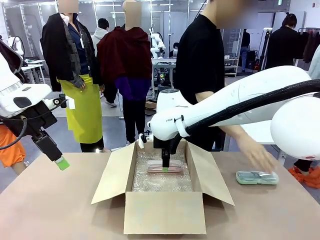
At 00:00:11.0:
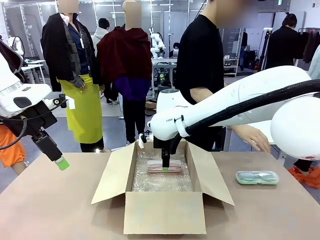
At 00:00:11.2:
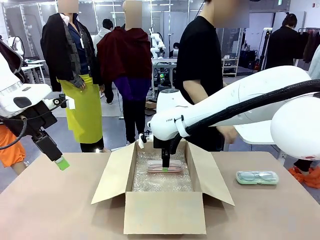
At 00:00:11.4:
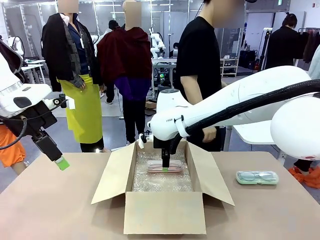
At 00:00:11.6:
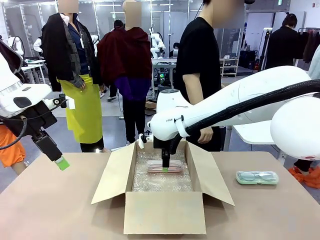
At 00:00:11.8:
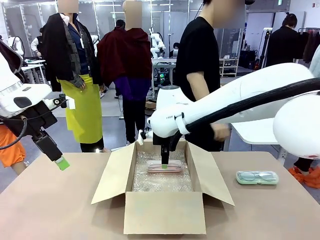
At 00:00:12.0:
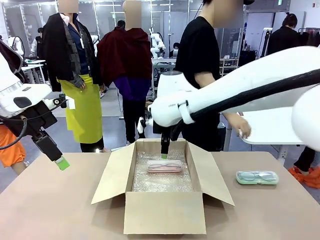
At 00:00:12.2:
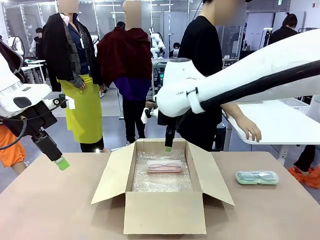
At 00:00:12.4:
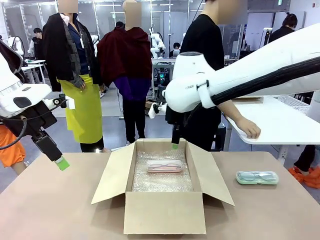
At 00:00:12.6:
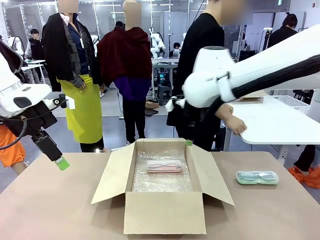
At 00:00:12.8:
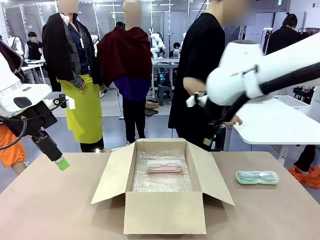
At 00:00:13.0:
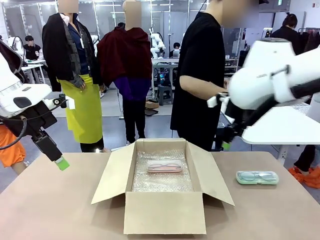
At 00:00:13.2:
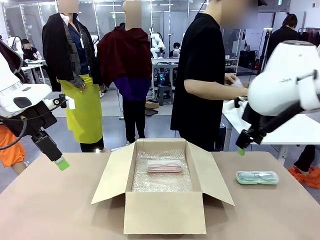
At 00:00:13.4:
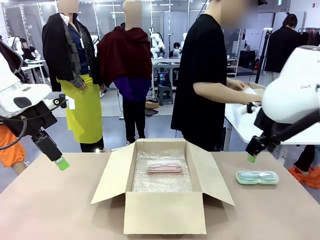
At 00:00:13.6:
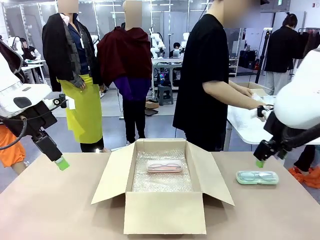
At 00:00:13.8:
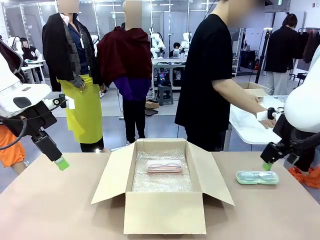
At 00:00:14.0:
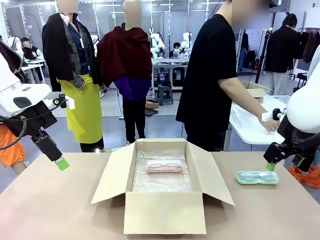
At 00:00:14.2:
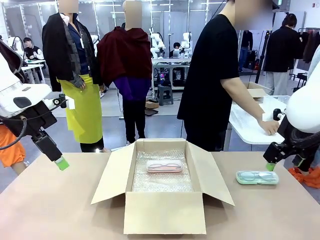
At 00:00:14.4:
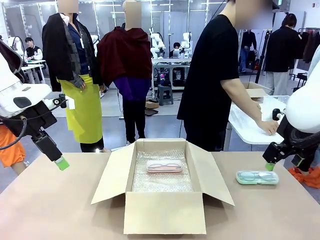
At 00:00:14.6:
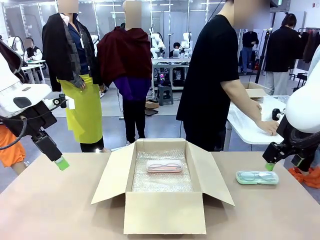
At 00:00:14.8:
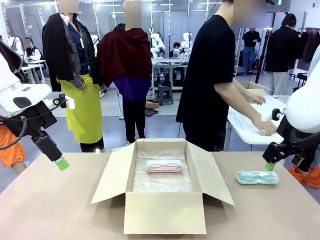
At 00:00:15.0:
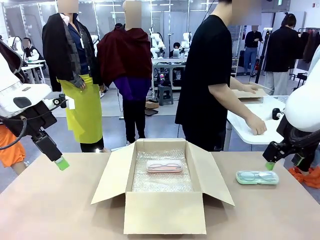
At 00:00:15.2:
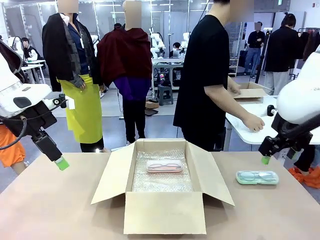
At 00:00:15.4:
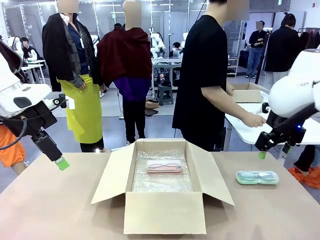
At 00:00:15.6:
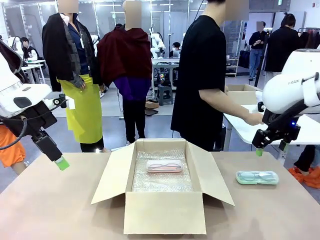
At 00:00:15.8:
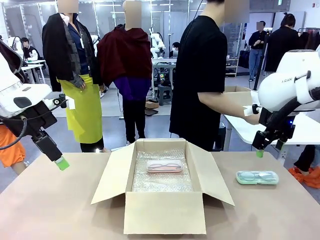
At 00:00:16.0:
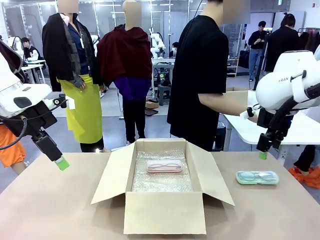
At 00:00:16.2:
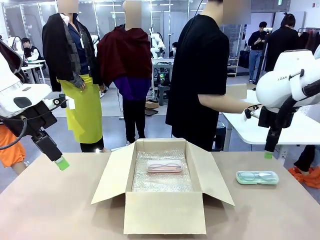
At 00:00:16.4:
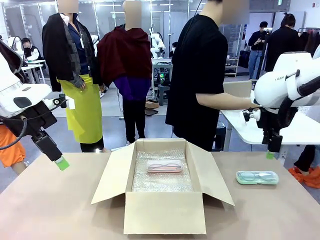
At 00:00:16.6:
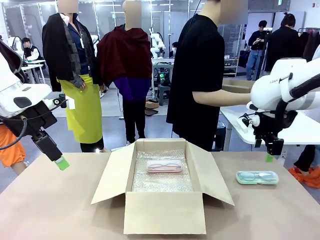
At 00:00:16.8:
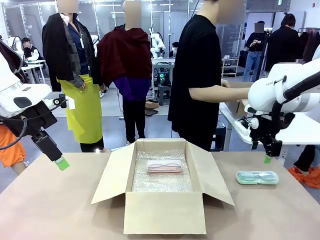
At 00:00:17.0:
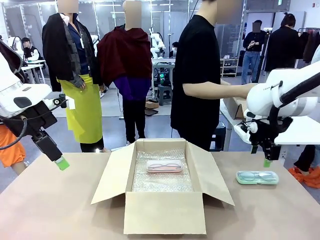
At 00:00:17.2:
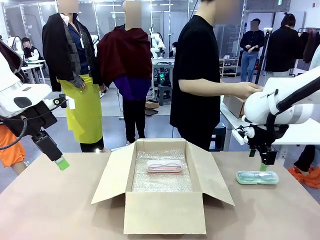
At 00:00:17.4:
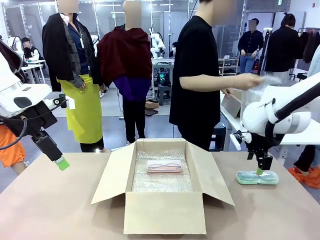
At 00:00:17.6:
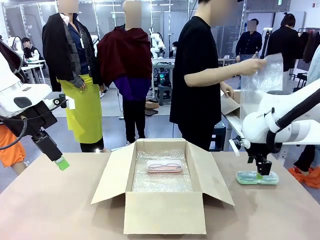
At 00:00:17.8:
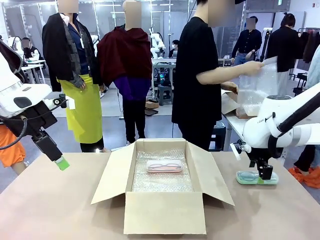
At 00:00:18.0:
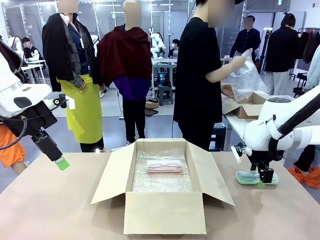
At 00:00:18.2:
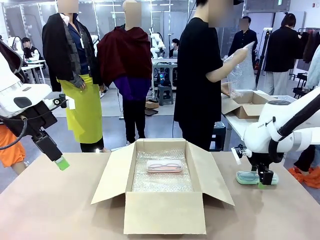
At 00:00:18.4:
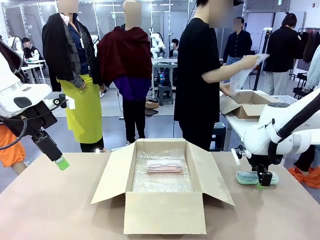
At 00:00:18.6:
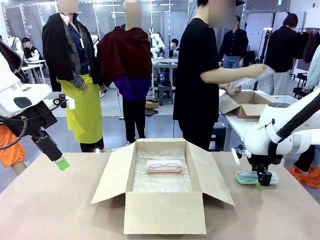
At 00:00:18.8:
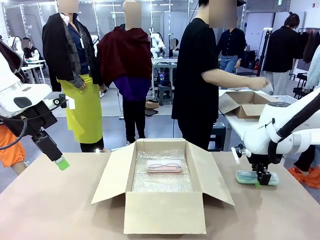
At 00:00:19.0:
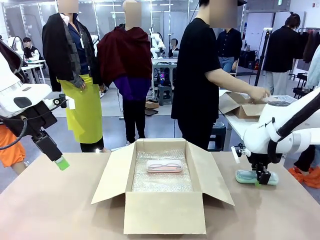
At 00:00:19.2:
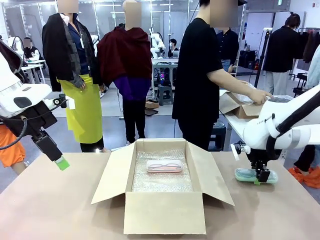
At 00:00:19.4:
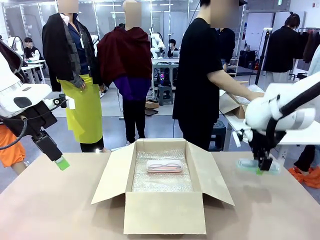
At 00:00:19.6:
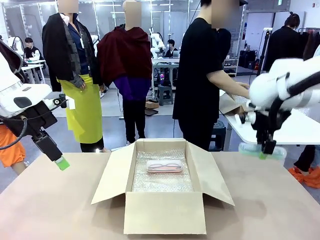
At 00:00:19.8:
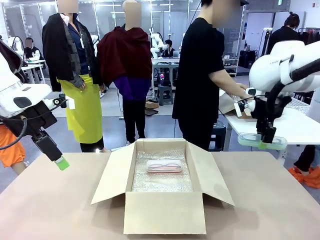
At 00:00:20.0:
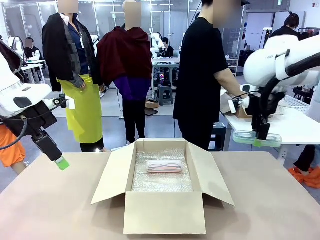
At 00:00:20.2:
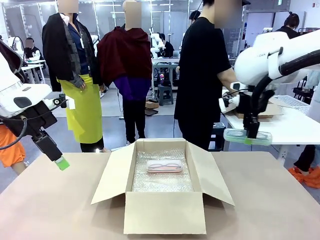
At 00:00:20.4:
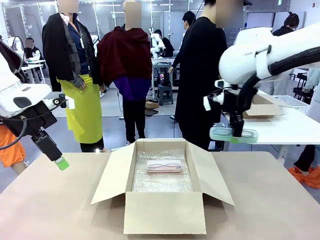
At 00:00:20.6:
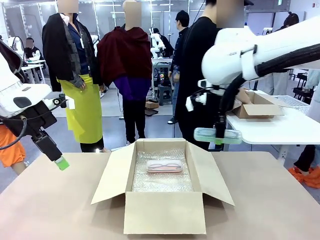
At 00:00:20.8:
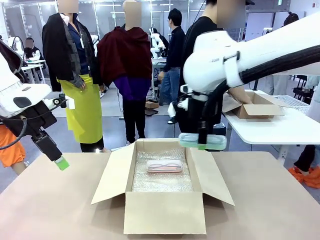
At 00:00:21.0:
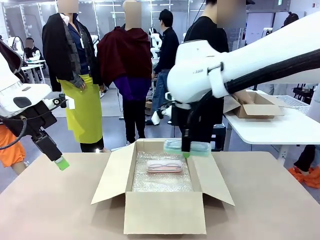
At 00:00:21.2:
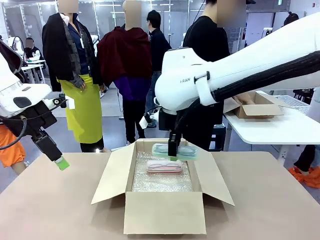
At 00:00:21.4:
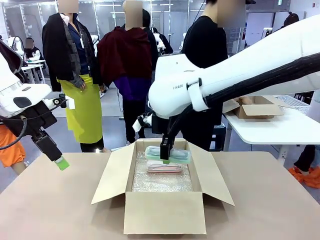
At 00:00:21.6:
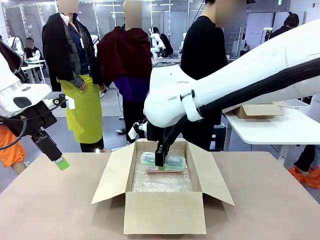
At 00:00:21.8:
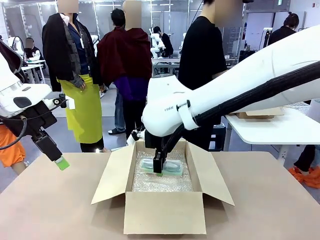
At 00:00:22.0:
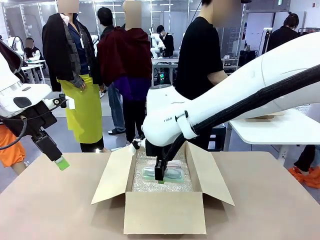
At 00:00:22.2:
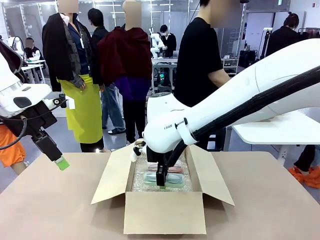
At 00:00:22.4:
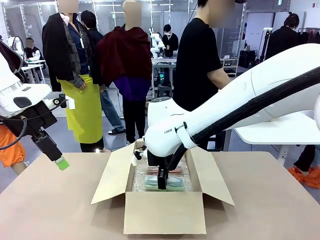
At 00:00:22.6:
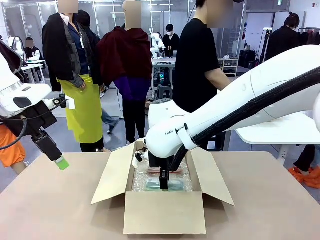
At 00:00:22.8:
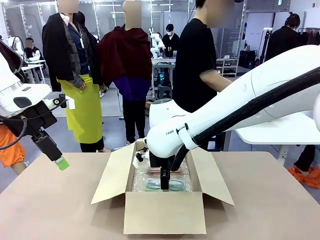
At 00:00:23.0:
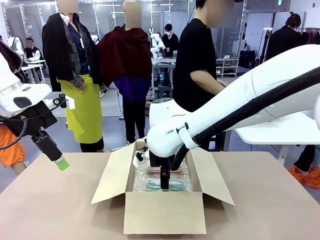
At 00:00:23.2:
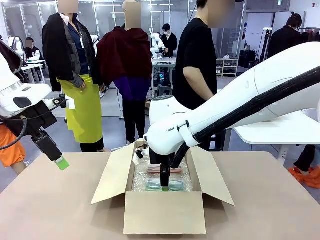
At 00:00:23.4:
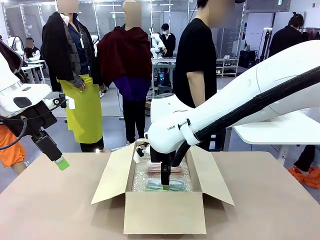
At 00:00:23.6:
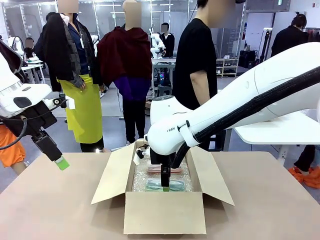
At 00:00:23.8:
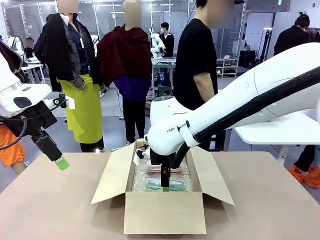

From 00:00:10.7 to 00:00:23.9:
Task: Pack the glasses set securely to prepare it for shipping.
Robot: Put the Glasses case from the right side of the table into the Package Box.
